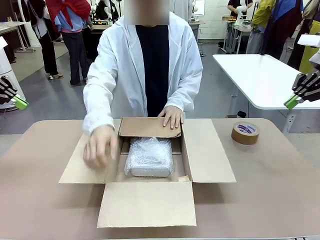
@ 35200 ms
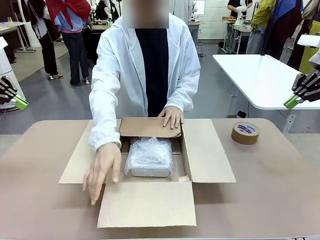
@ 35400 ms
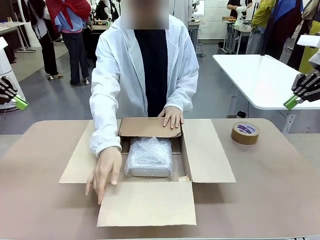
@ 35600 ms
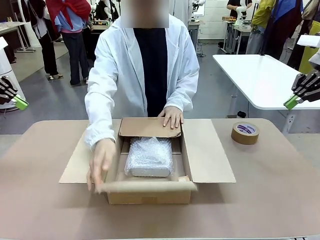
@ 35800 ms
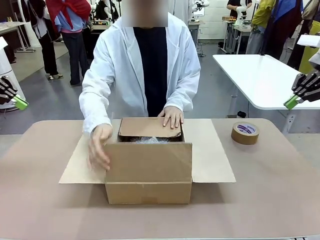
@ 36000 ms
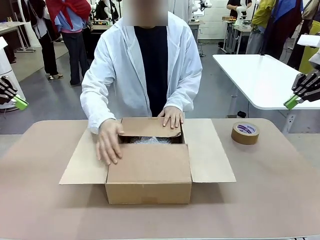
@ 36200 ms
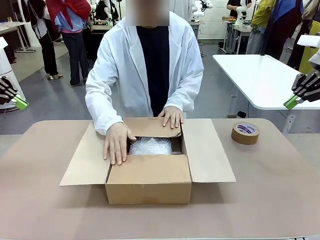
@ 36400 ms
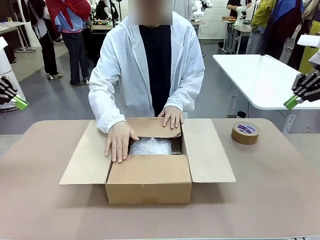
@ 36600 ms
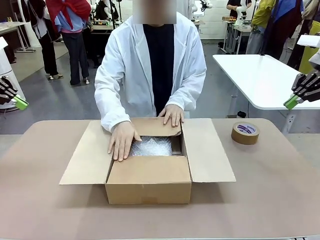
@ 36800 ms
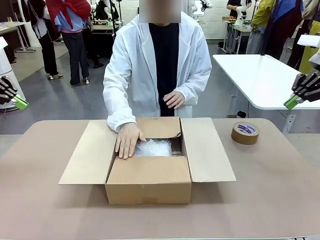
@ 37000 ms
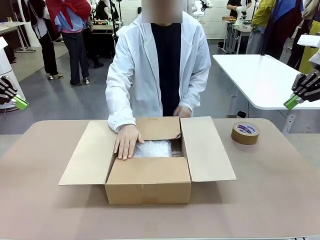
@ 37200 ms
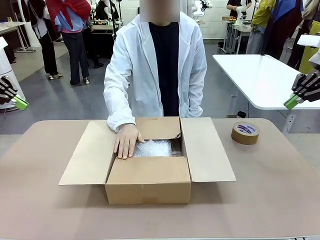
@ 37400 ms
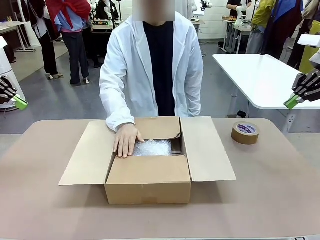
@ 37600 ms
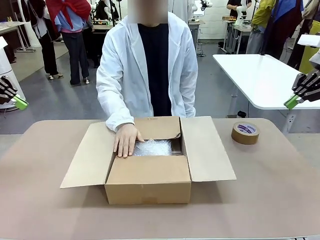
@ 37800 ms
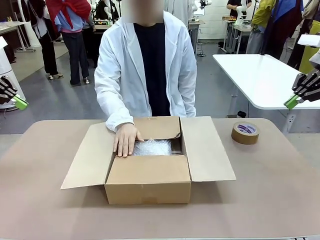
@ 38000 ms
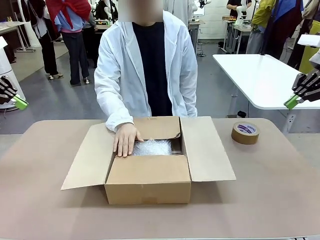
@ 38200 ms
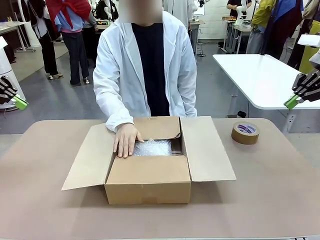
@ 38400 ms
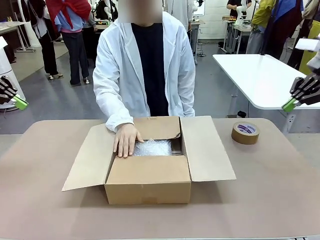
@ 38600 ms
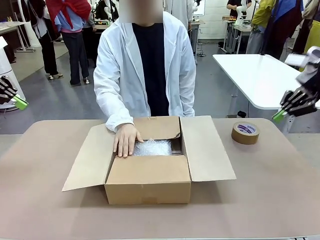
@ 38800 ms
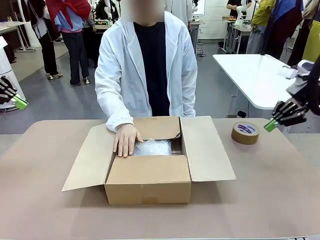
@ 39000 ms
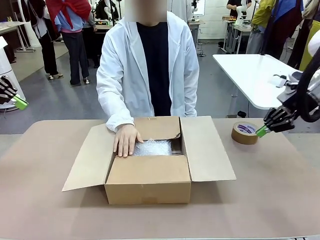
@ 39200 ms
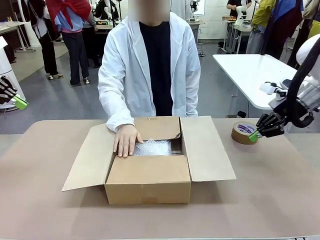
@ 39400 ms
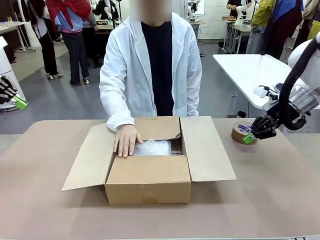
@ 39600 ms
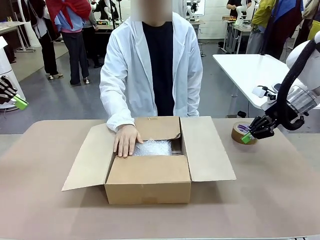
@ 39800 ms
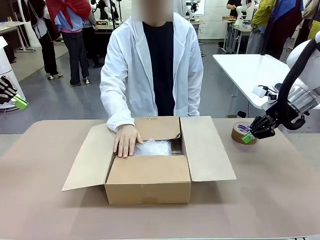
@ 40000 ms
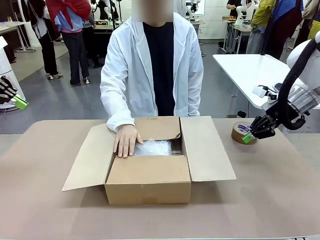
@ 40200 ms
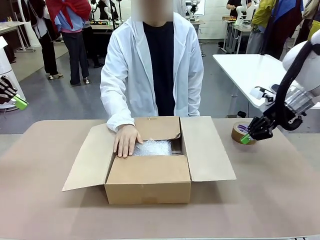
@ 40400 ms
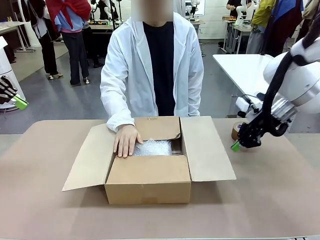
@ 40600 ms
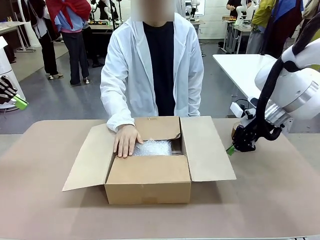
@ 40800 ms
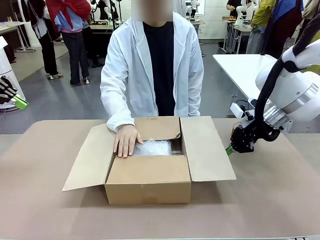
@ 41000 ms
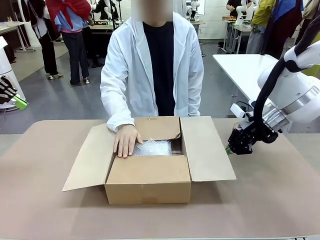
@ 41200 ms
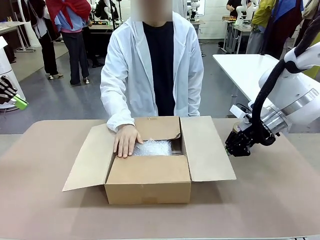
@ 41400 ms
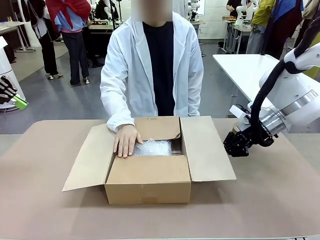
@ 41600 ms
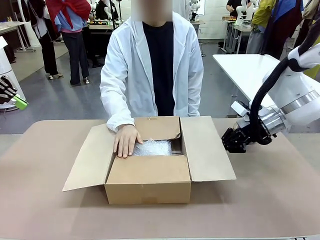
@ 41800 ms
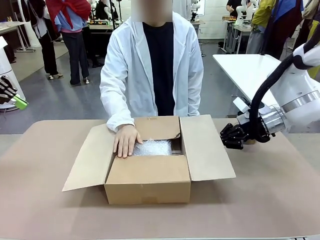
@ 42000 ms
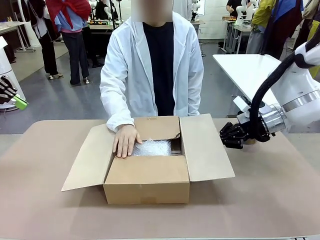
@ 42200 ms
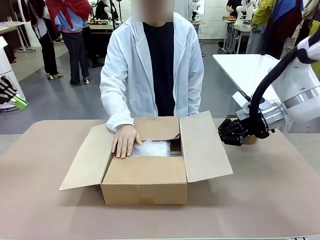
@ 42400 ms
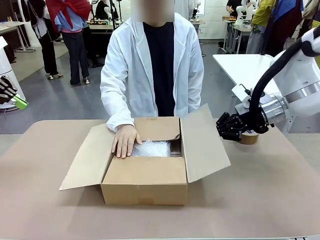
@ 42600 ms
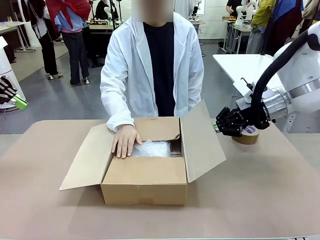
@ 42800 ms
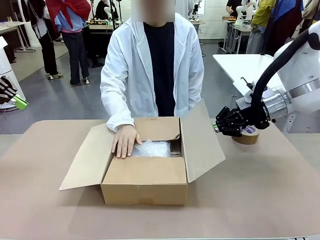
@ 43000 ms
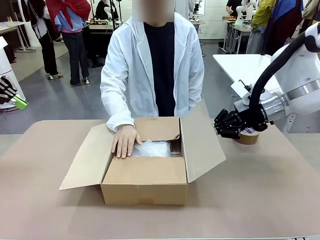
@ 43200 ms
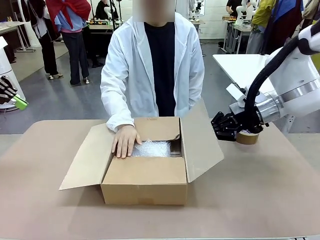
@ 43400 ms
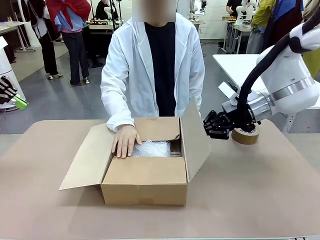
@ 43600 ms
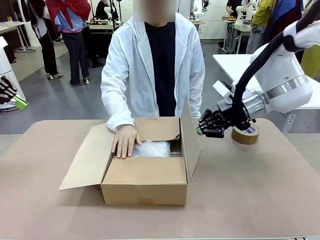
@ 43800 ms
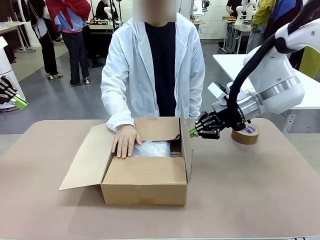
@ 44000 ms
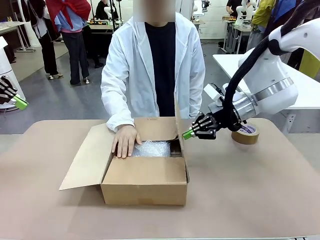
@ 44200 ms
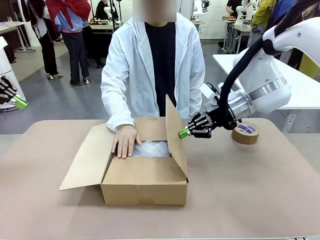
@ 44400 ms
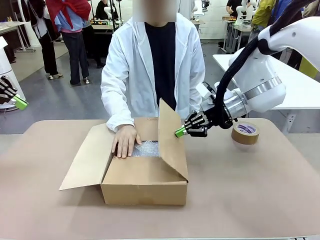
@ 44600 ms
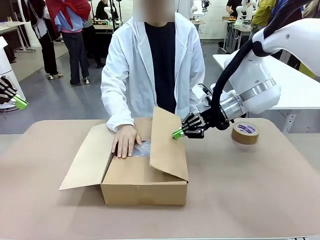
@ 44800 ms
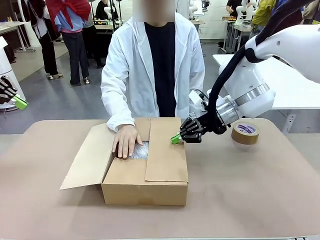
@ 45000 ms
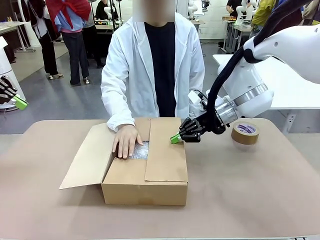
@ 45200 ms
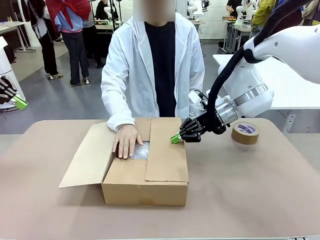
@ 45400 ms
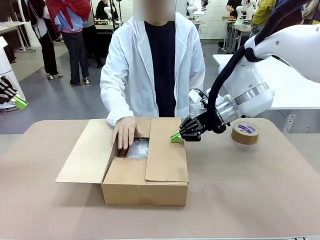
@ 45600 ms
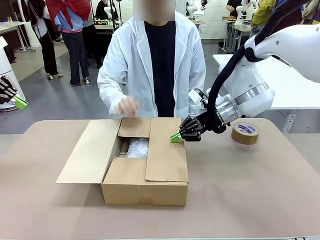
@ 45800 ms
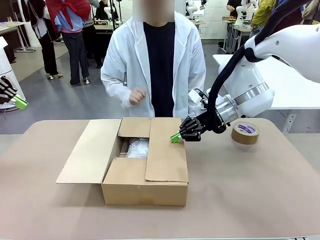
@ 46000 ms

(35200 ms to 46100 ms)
Task: Wrap the clocks to prevent damage.
Robot: Push the right (or left) flap of the Package Box to close it.
Person: Once the robot closes the right flap of the Package Box , release your left hand from the box.

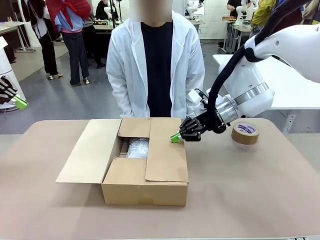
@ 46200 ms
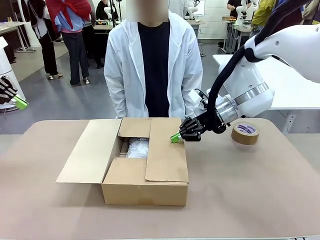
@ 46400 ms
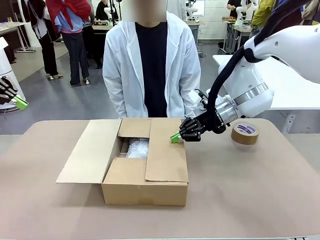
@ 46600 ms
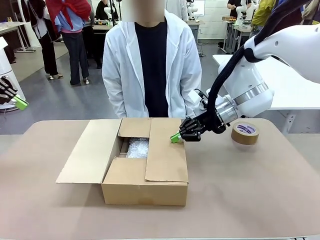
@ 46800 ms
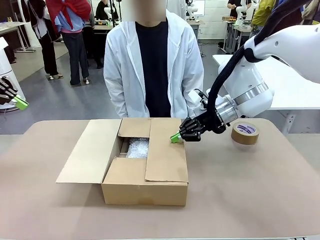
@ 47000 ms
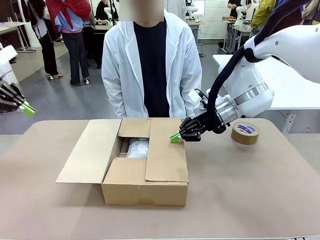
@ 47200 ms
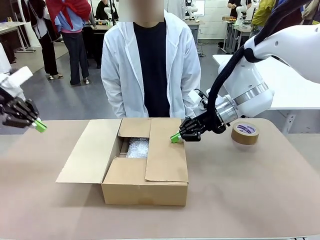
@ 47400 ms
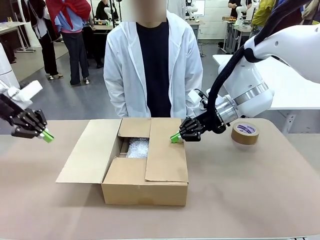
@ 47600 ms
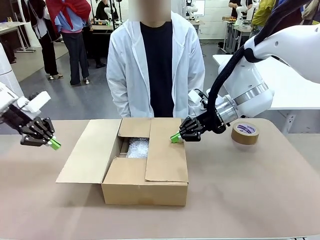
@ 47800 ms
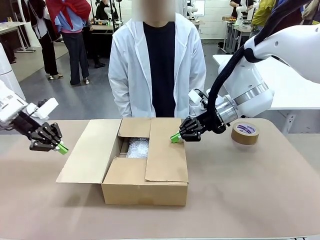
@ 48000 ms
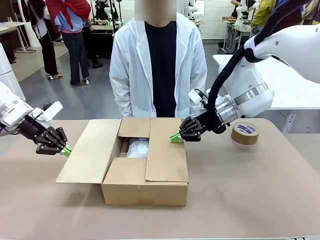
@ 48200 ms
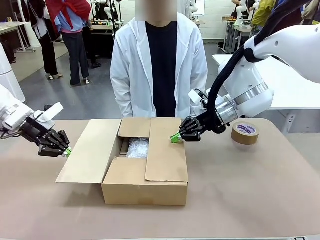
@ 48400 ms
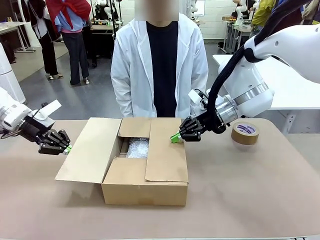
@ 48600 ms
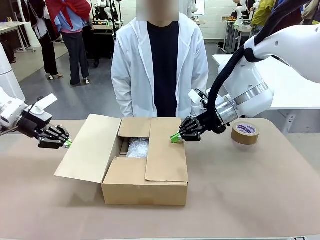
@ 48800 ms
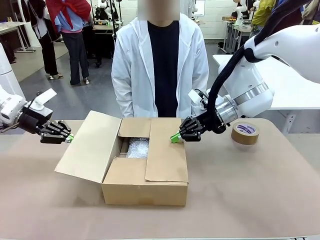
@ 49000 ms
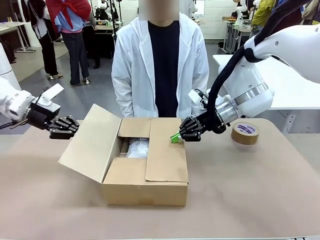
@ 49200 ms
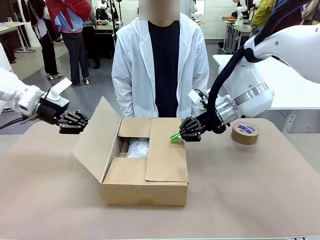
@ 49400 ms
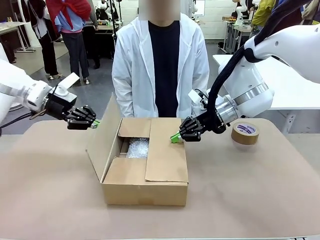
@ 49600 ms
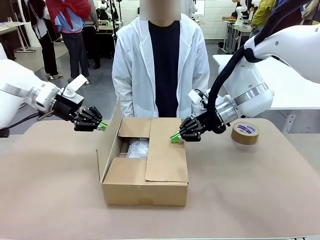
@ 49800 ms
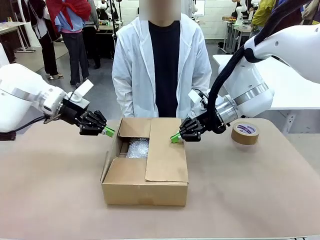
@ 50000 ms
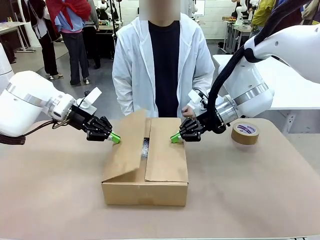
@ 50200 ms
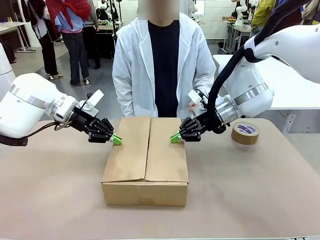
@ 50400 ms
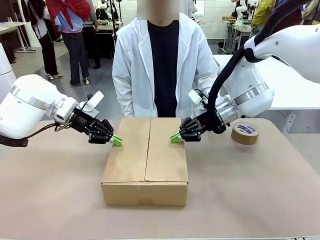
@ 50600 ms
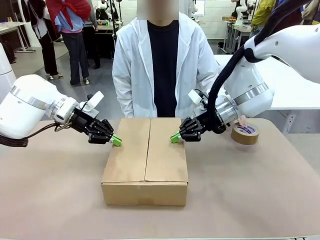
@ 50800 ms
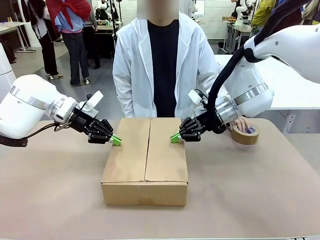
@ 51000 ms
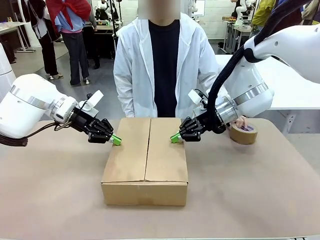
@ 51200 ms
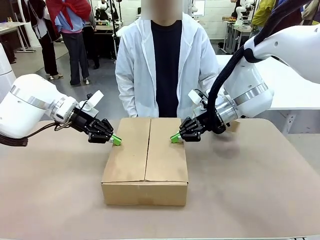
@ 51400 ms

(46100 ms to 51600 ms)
Robot: Push the left (or right) flap of the Package Box to close it.
